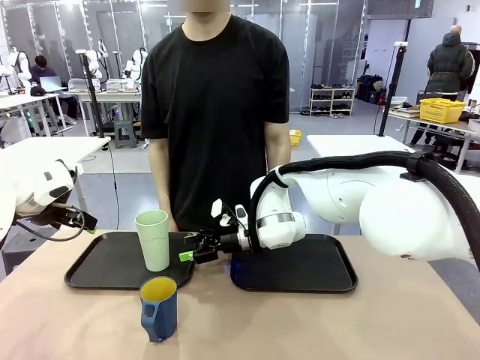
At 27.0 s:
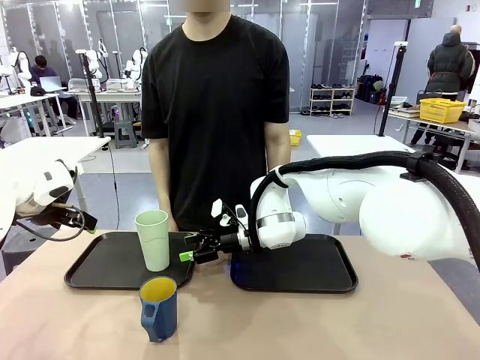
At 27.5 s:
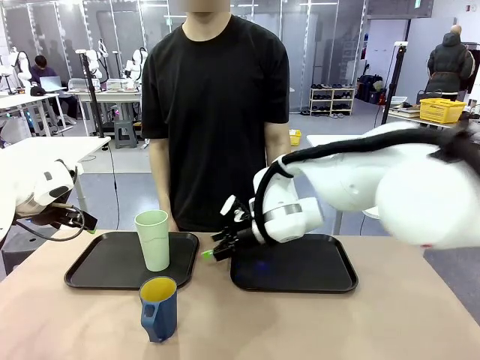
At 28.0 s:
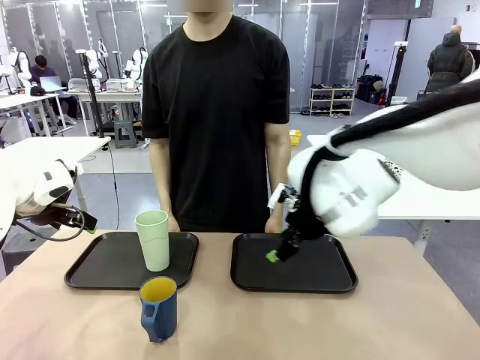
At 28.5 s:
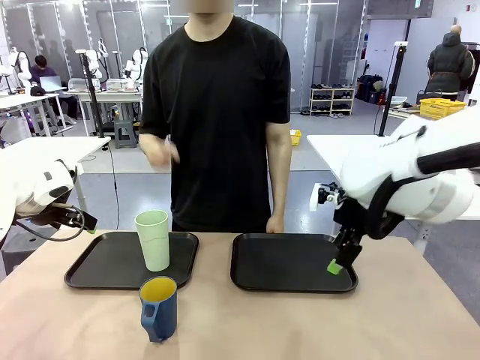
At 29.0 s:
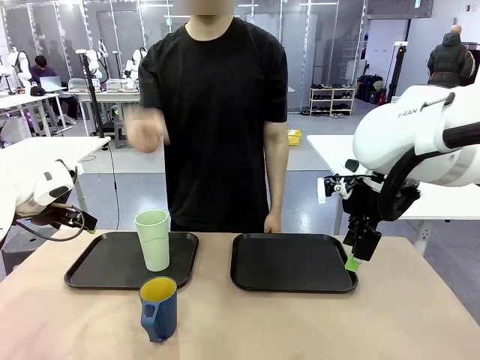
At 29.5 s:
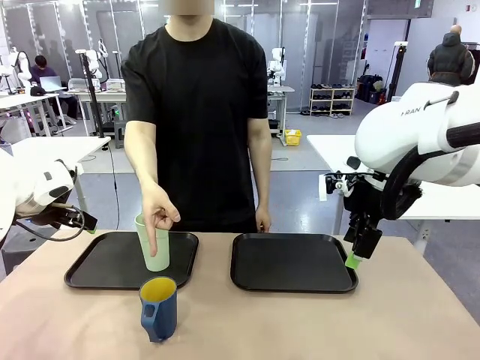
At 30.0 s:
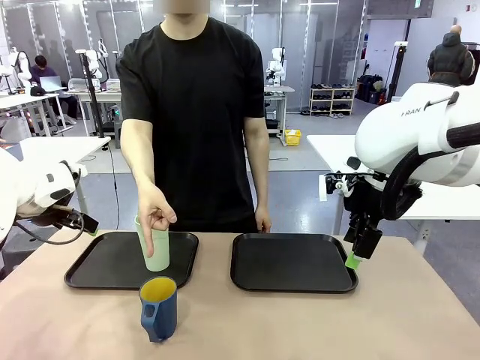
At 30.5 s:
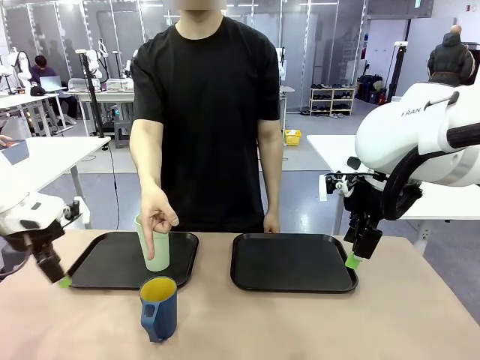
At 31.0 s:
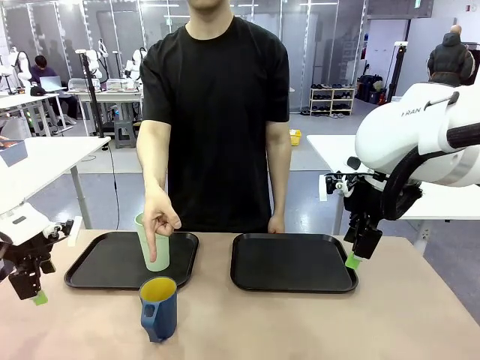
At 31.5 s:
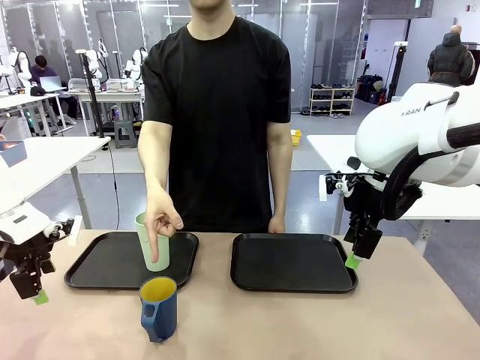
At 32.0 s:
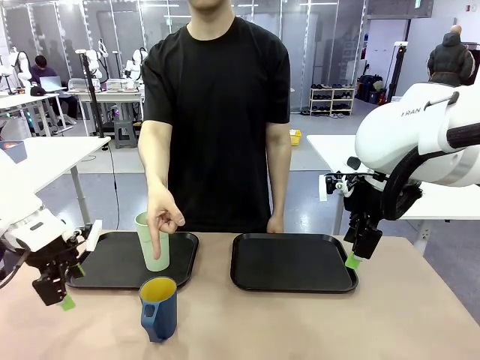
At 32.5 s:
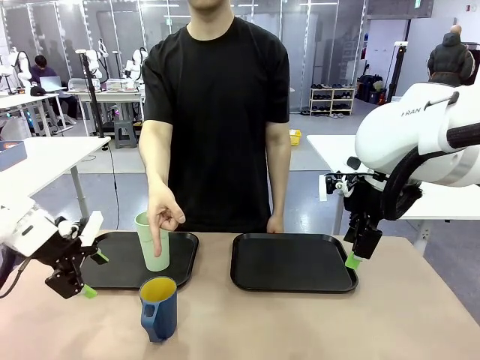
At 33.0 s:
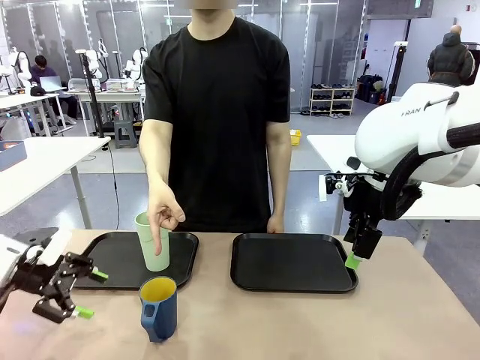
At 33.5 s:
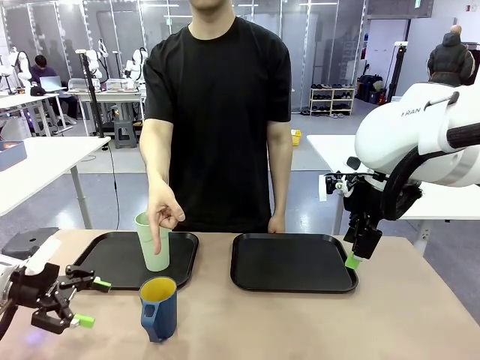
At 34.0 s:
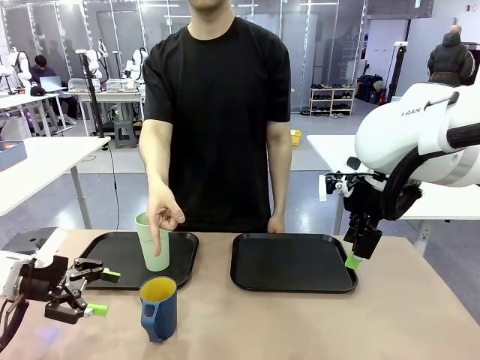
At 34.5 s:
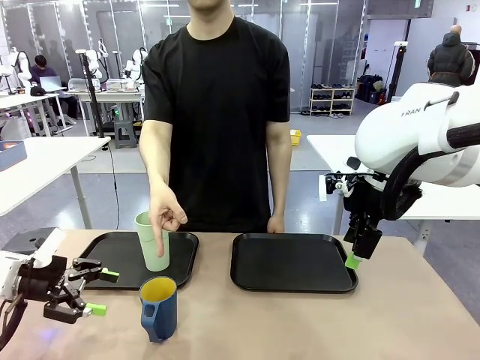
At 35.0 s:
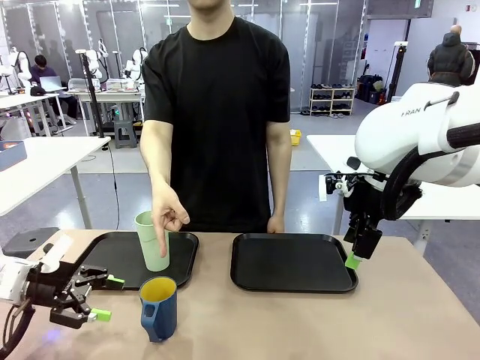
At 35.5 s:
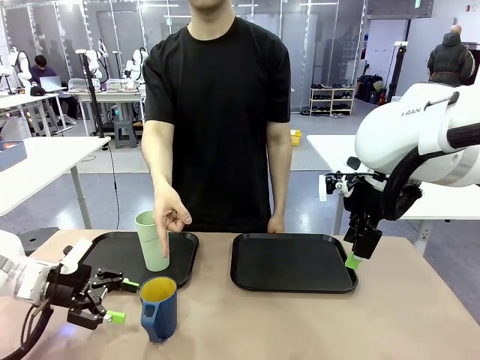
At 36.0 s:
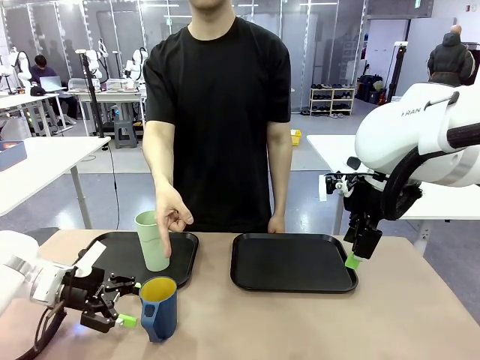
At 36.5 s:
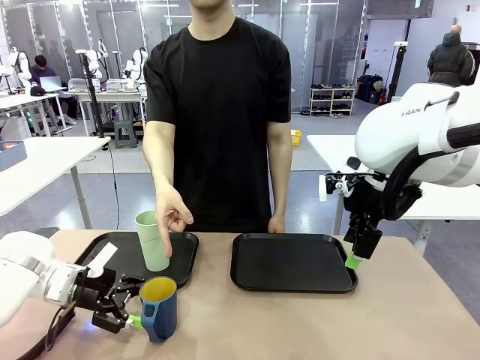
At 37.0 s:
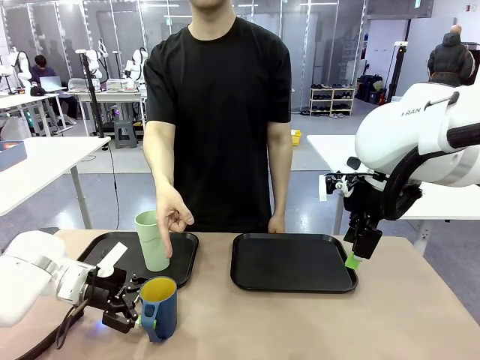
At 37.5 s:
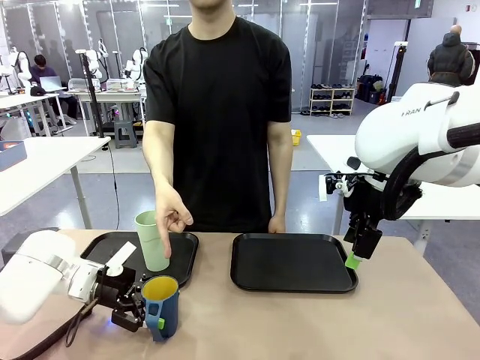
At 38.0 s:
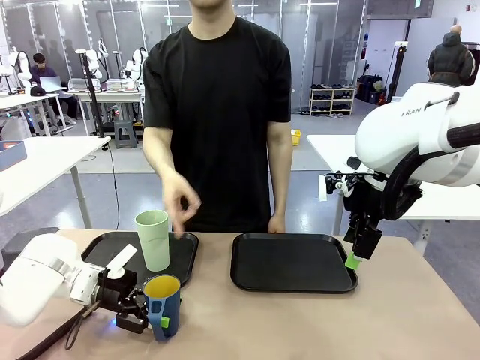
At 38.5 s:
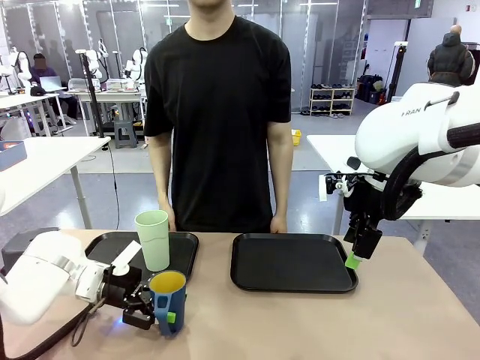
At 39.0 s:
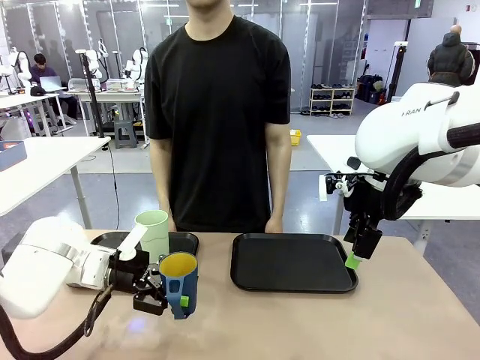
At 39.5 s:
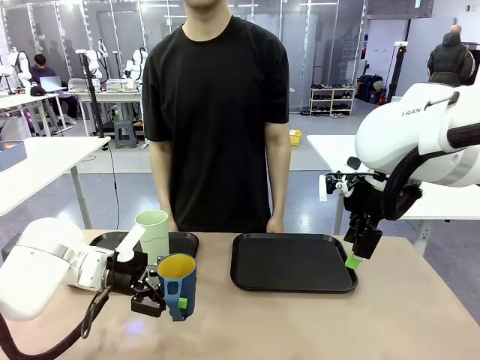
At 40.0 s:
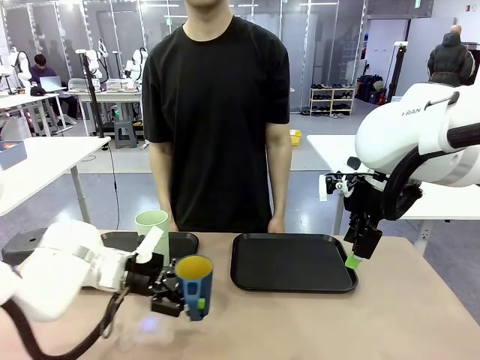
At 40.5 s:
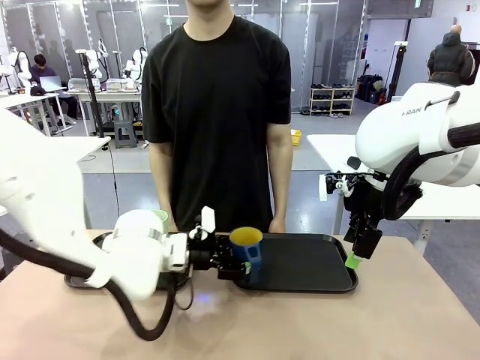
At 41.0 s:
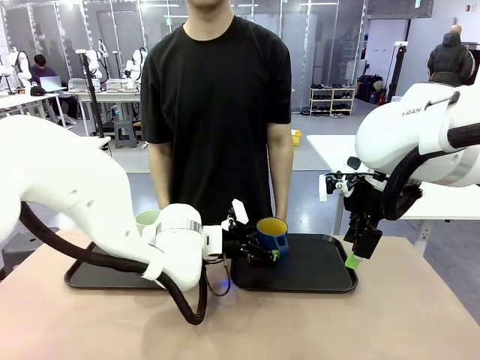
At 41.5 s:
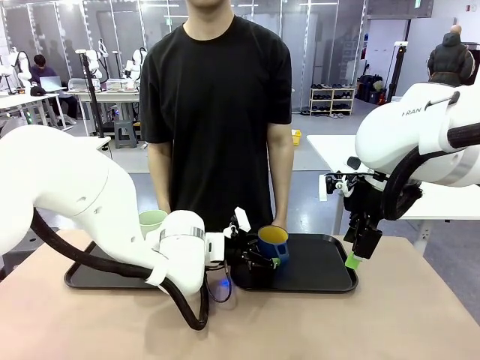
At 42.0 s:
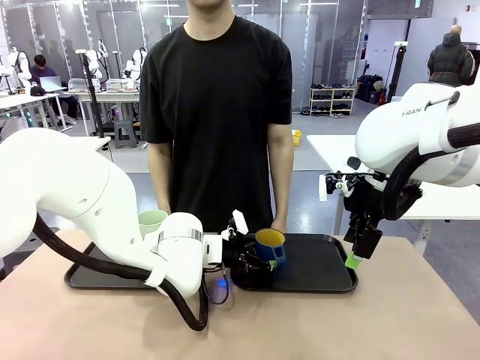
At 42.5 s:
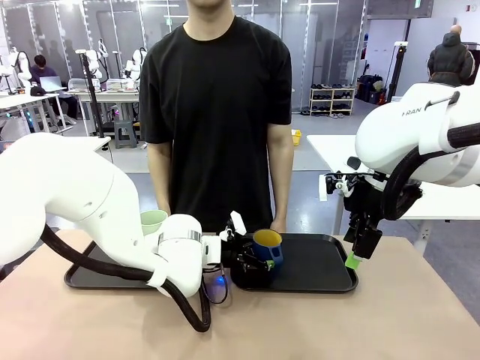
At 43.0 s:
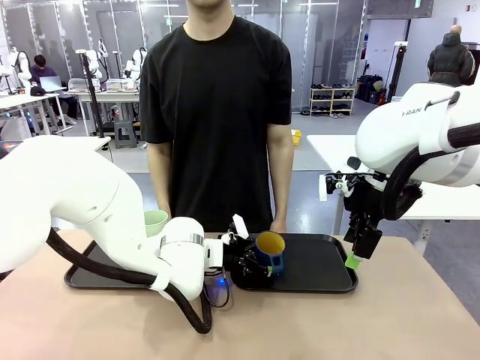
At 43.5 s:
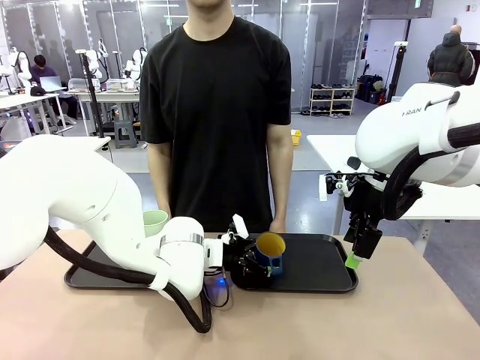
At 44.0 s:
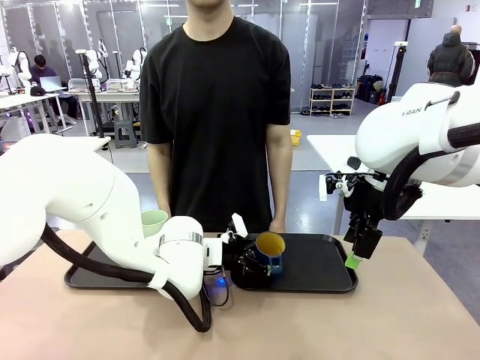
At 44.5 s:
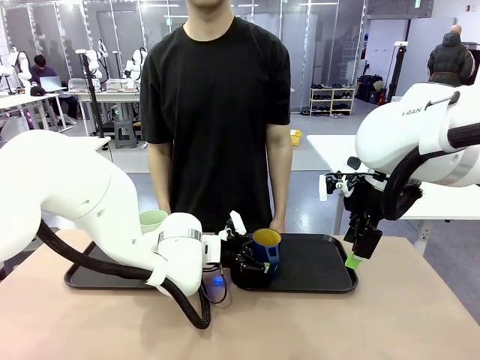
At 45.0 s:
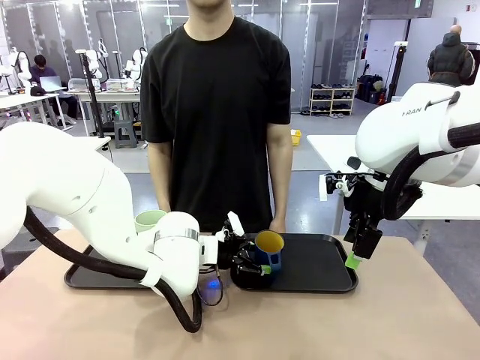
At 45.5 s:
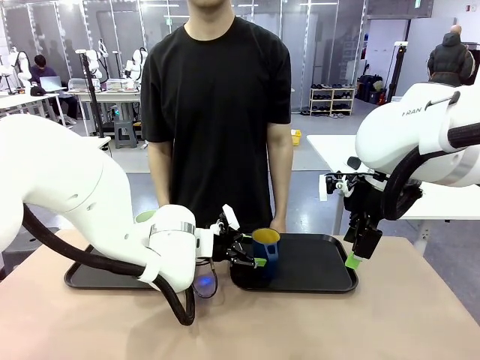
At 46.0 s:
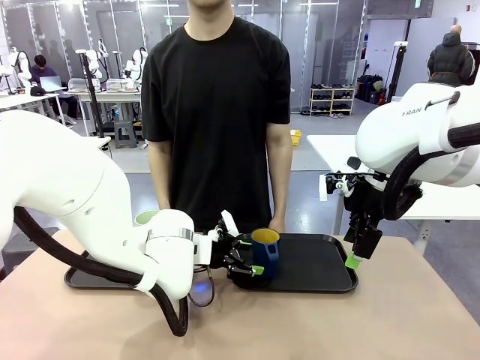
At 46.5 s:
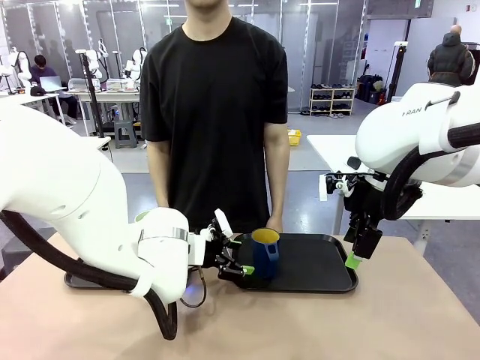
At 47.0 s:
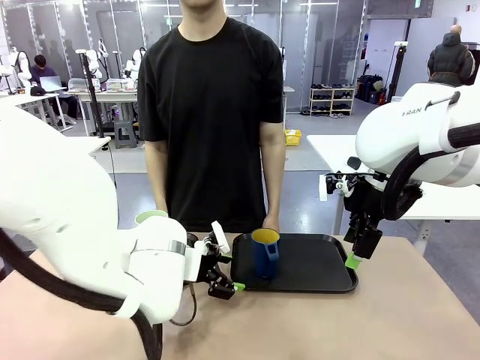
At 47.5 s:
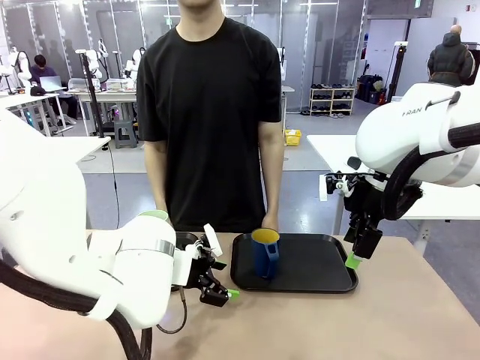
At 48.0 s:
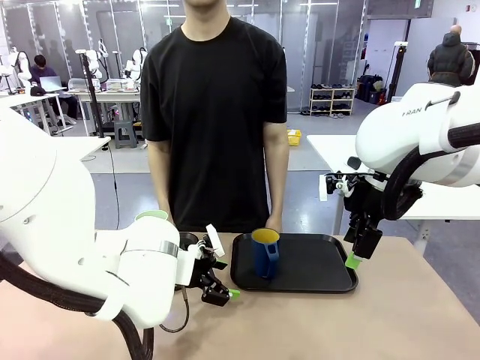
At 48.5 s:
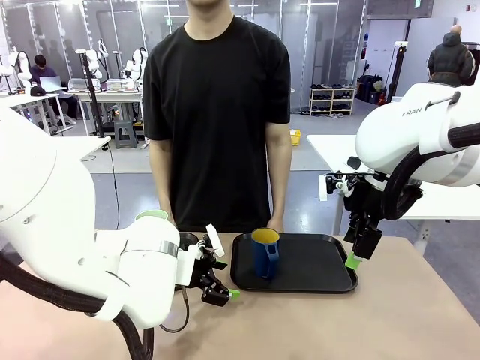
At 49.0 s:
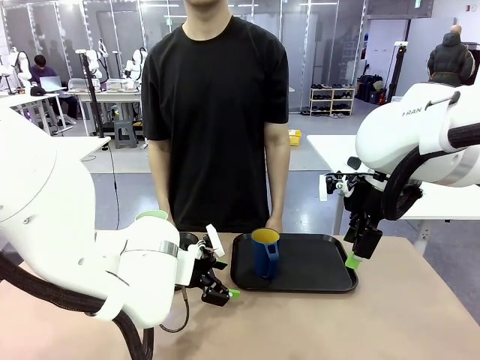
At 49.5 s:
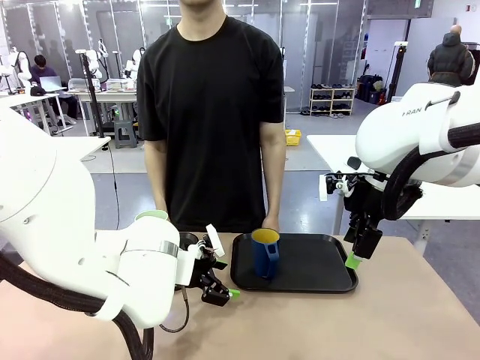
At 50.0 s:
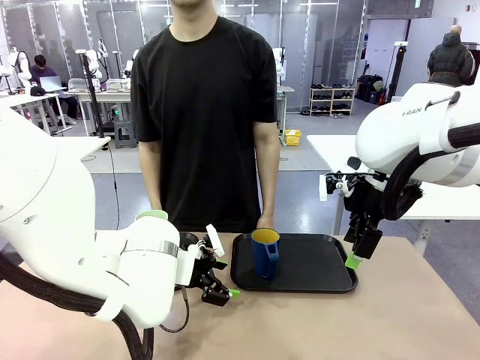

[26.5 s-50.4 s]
Task: Sort and store the cups by type.
Robot: Pick up the Handle plastic cup and place it into the empty Flat Tray.
Person: Points to the cup with a handle.

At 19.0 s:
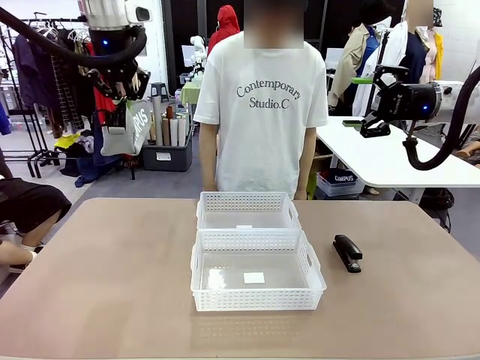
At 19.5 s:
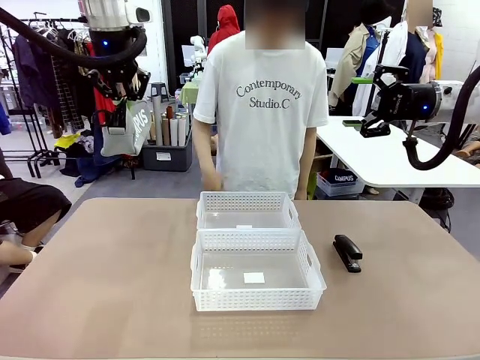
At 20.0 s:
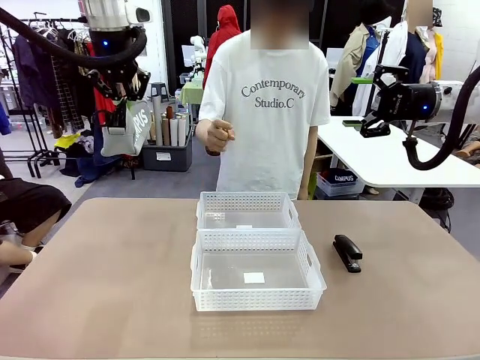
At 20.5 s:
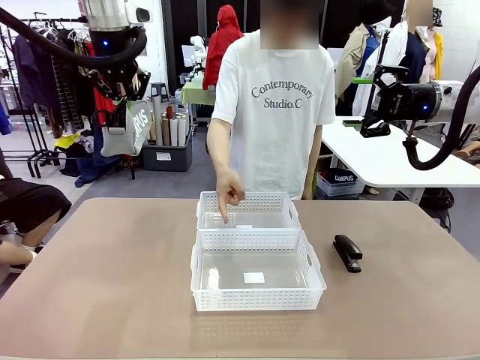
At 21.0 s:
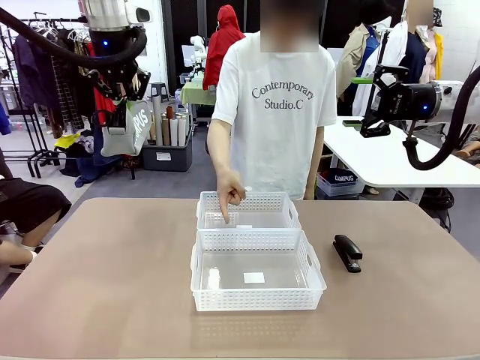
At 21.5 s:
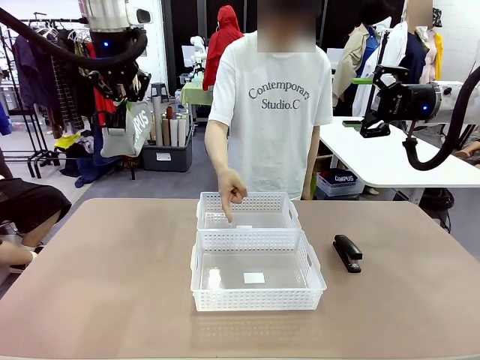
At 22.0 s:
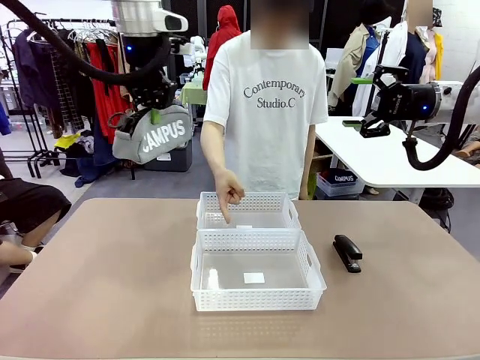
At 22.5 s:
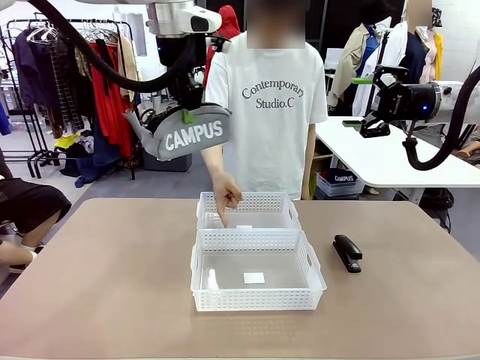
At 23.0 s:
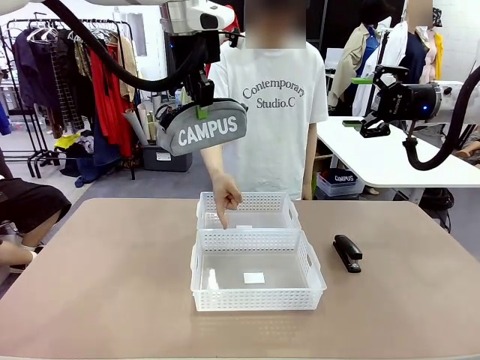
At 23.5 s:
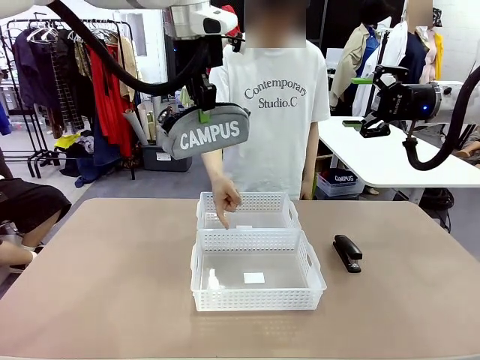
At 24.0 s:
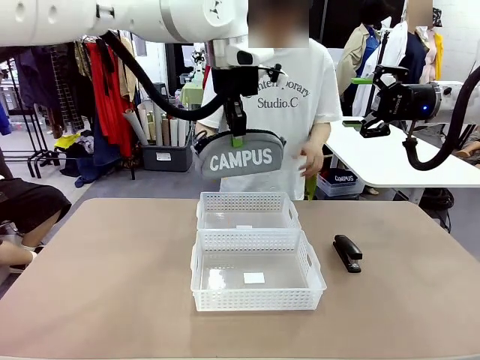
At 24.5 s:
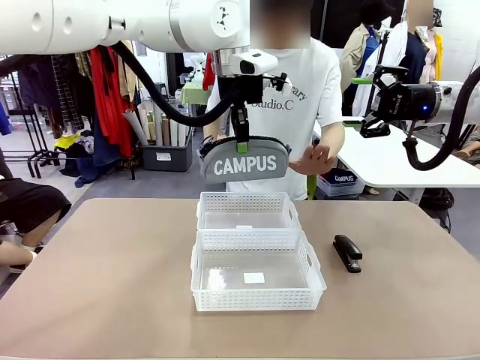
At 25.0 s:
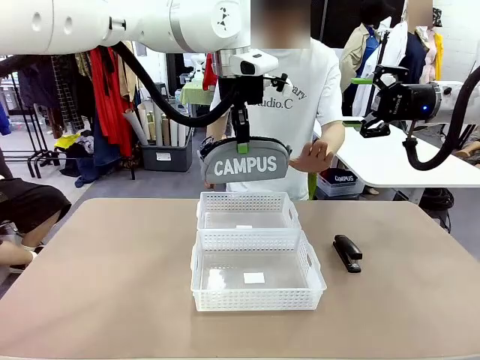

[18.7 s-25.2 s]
Task: Distribute items into two baskets.
Robot: Move the picked Pencil pouch towards the Organizing basket indicated by the person, stopping as directed.
Person: Sends a stop gesture before the robot places the pencil case into the basket.
